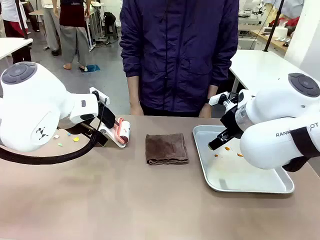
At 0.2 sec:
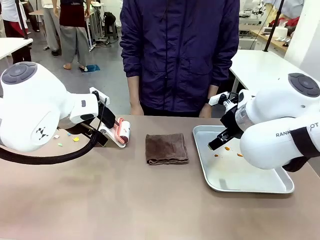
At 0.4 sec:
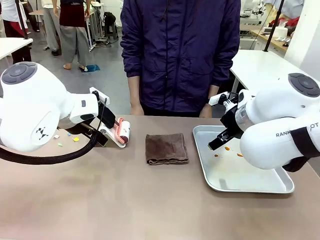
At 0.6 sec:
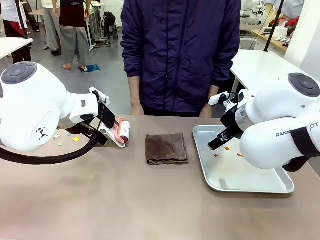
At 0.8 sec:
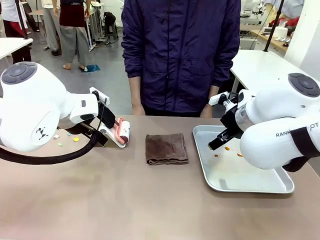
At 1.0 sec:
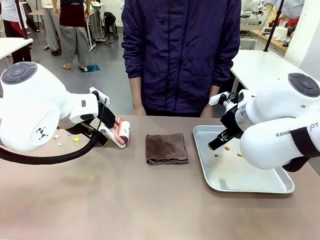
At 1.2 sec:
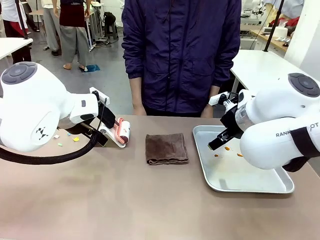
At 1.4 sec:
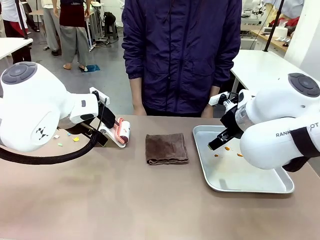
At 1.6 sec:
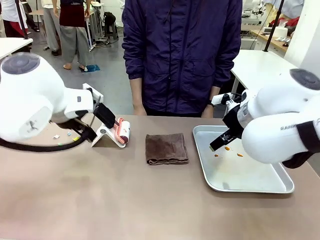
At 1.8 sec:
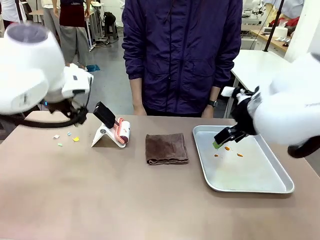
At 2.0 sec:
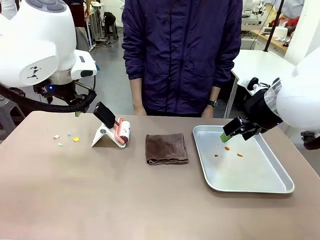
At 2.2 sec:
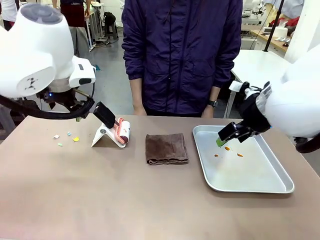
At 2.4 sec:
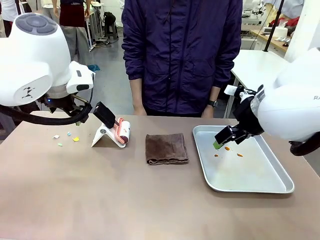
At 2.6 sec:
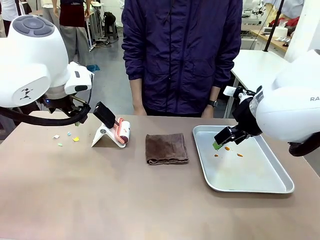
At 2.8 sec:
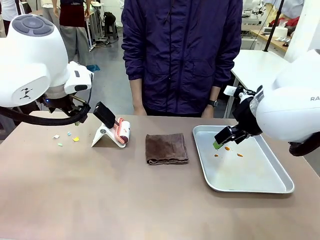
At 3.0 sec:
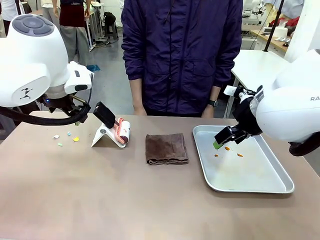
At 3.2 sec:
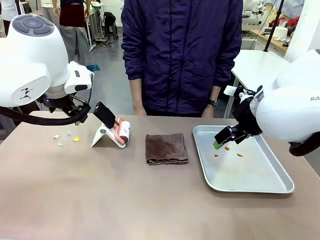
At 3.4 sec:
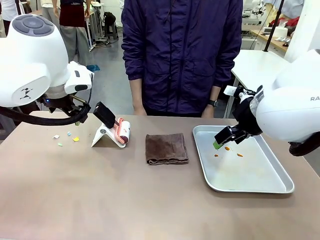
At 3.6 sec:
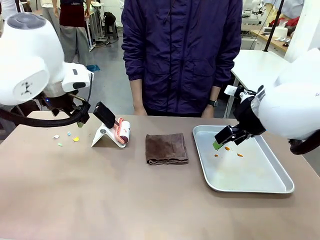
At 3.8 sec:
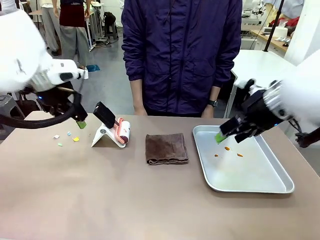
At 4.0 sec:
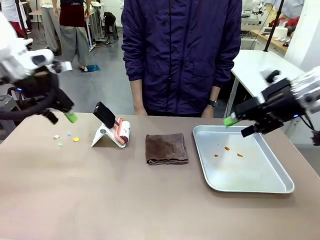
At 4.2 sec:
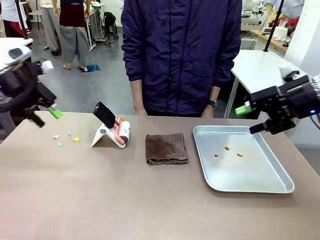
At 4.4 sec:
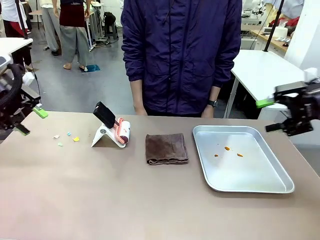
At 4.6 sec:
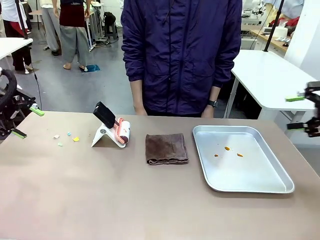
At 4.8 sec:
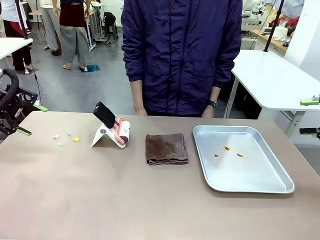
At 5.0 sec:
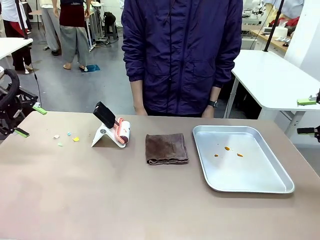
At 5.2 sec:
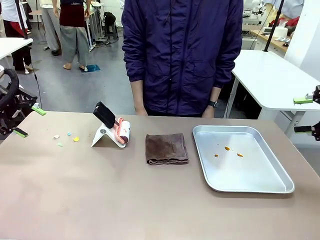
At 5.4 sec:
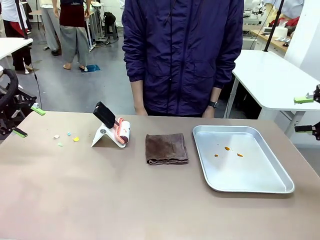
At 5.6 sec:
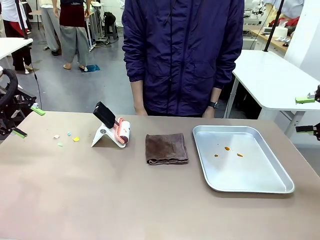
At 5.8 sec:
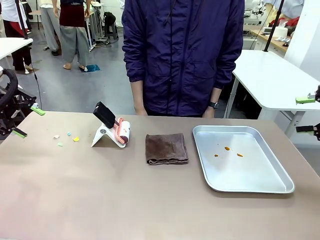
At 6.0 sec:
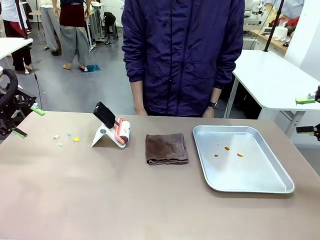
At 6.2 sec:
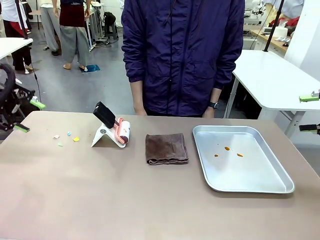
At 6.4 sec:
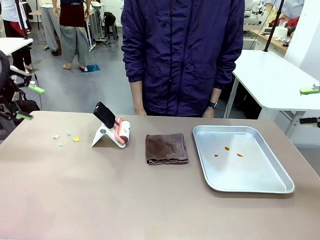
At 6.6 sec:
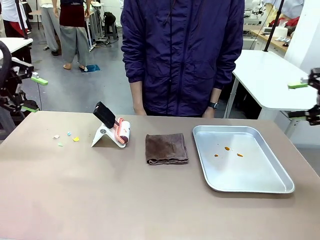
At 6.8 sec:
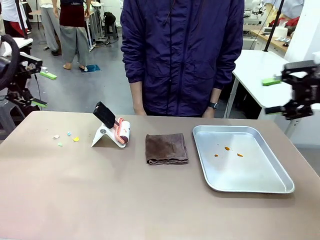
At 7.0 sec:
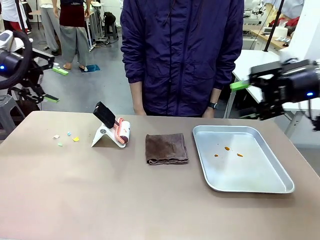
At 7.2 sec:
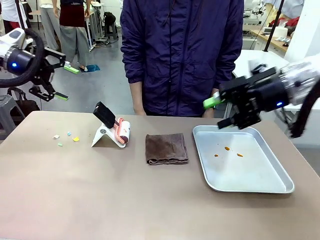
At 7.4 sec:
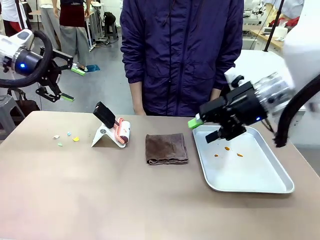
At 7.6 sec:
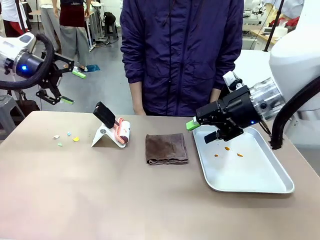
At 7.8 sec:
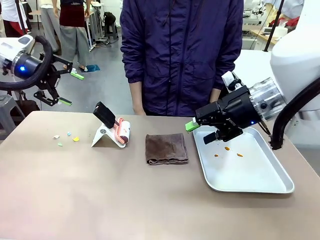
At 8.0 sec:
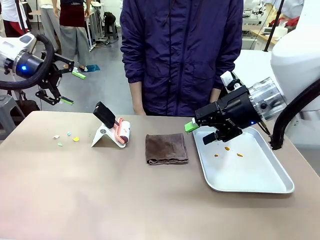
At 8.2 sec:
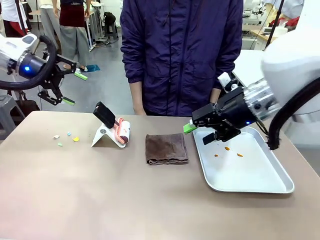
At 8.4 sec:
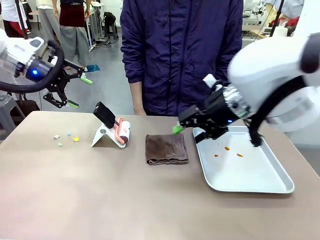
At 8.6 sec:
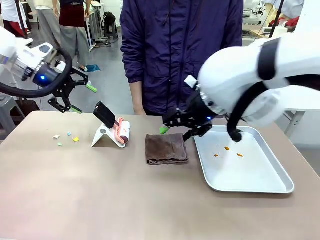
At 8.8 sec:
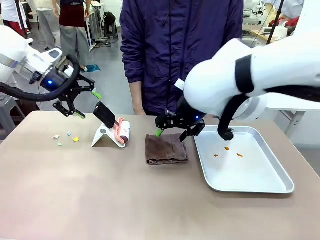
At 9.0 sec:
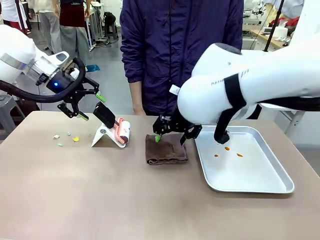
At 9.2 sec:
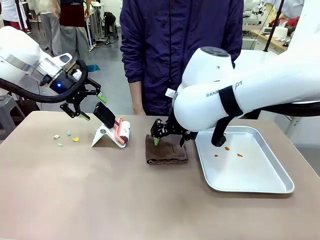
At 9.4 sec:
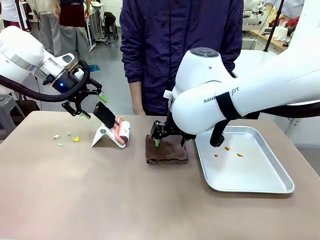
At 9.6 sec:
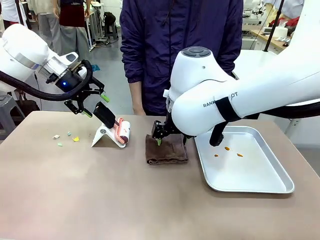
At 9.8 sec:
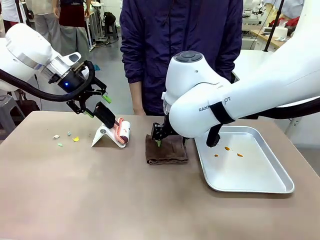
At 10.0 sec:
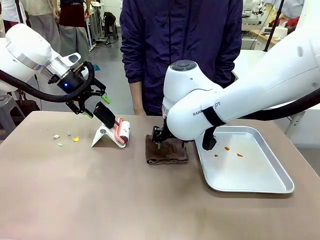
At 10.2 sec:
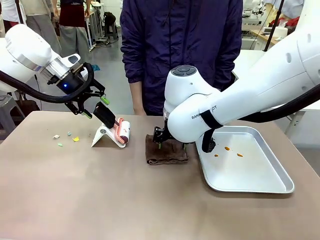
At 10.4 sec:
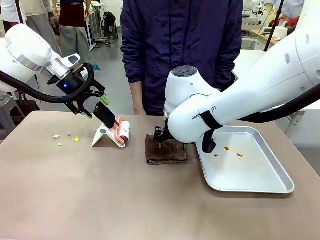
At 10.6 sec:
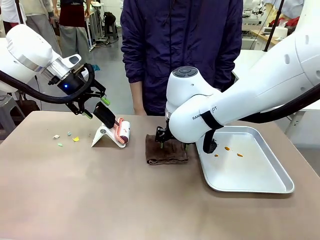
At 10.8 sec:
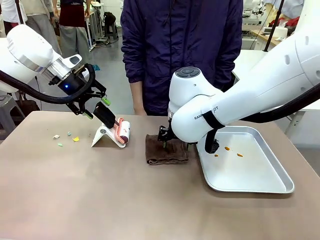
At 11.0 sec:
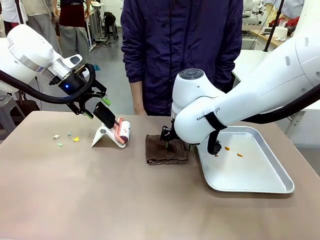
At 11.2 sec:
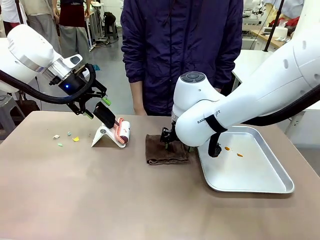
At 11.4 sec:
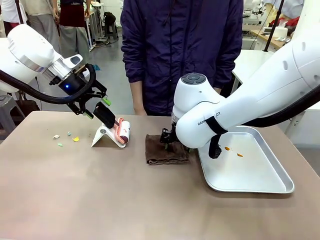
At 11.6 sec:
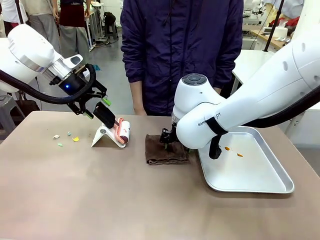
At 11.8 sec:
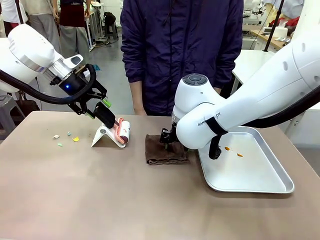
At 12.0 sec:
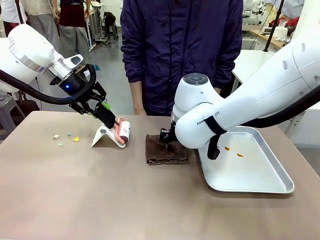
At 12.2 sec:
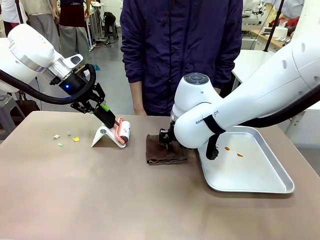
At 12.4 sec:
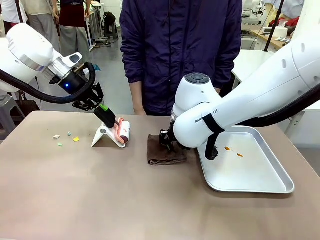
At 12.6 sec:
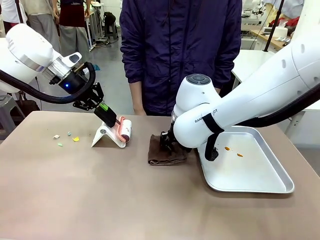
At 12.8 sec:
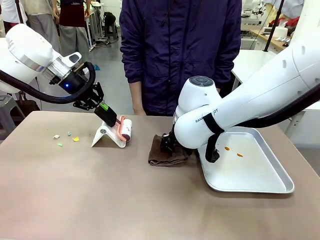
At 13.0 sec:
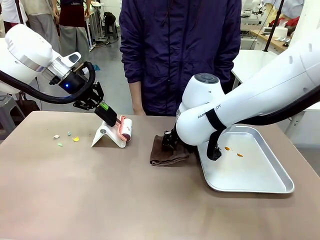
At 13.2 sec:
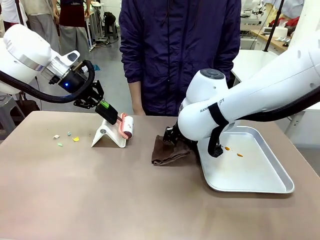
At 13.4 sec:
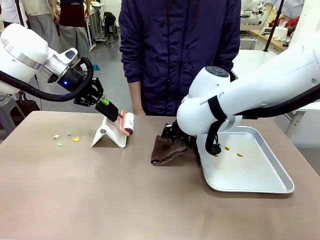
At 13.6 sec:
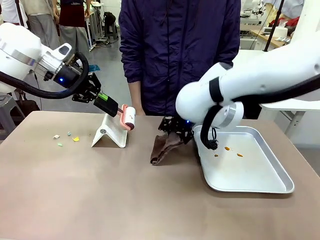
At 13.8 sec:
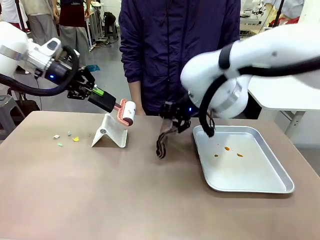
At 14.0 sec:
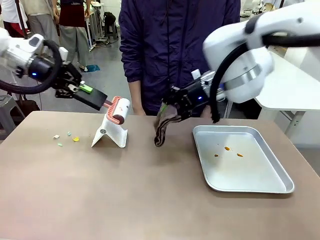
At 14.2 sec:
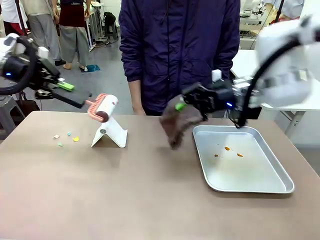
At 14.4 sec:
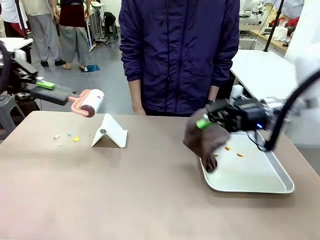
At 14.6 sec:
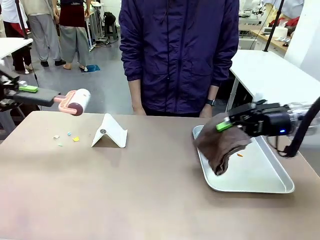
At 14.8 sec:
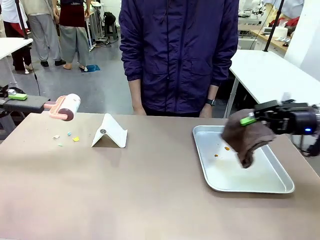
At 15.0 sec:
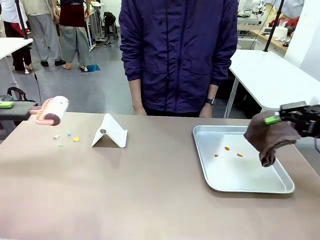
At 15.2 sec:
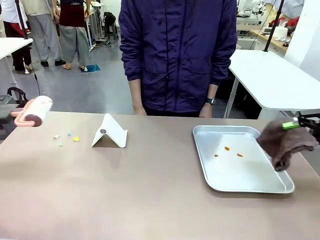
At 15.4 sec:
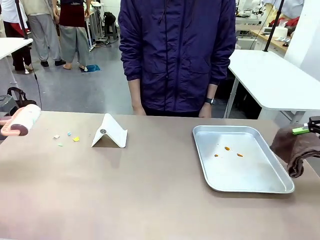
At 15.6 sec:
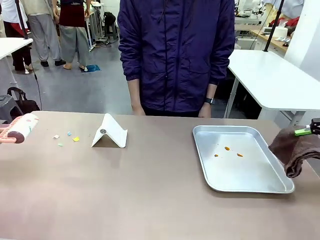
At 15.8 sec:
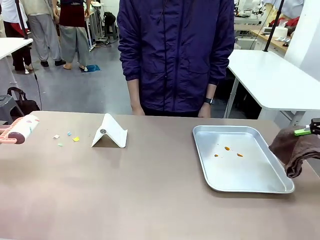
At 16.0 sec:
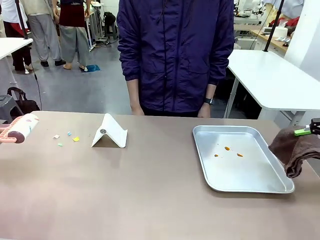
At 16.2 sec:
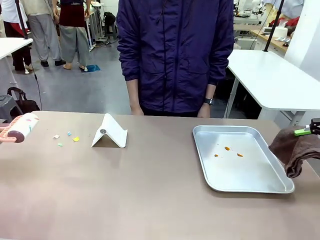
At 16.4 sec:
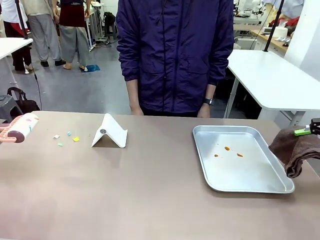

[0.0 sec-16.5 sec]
Task: Clean the surface of the table.
Robot: Hold the Lint Roller with your left hand and the towel with your right hand.
